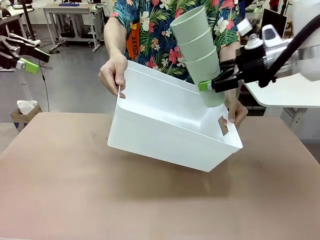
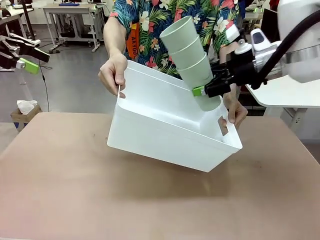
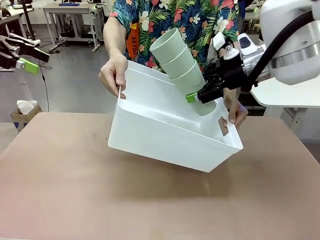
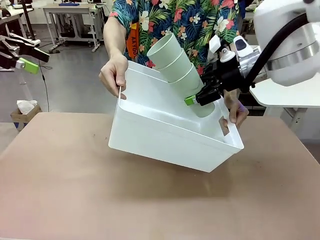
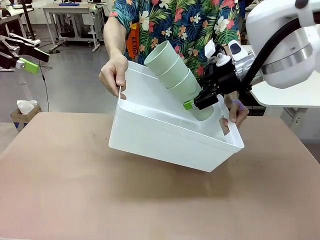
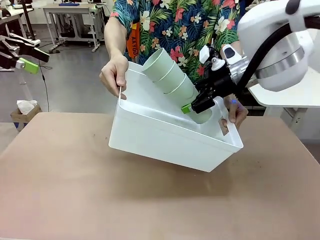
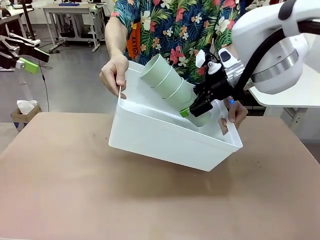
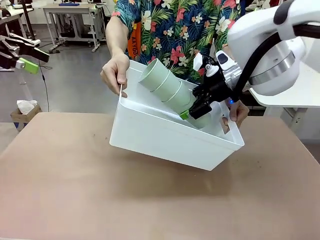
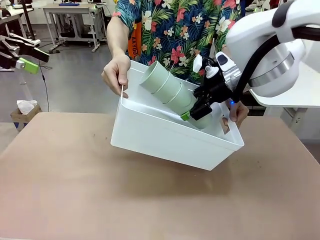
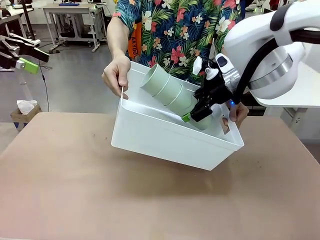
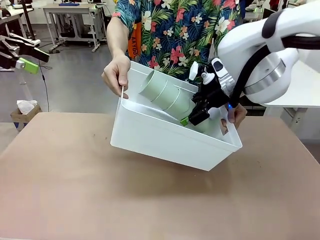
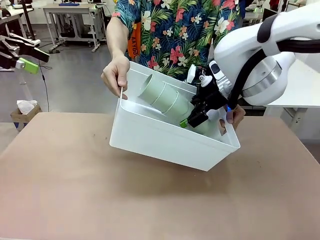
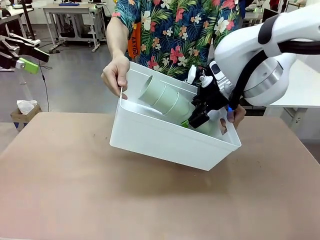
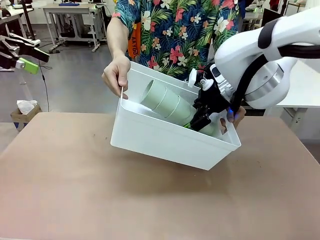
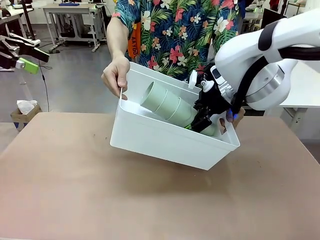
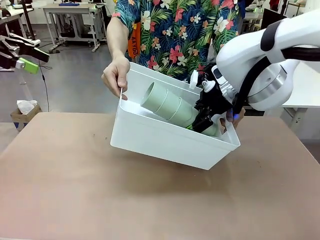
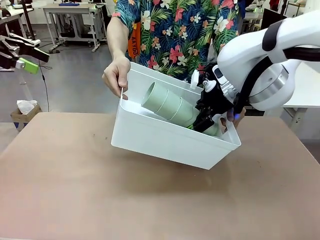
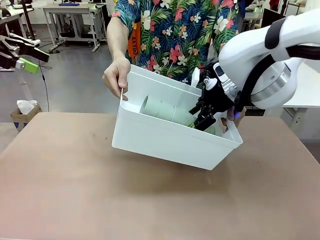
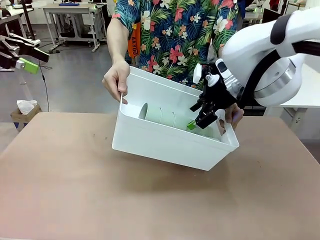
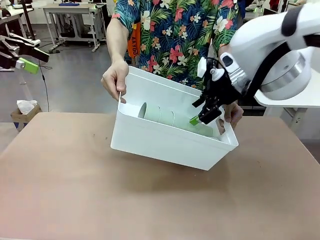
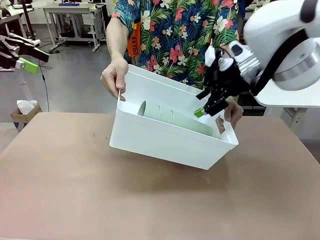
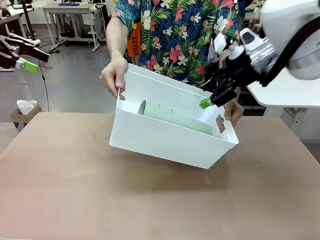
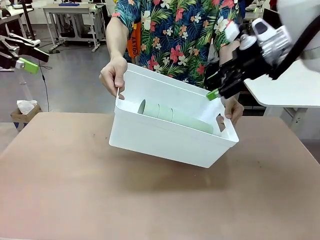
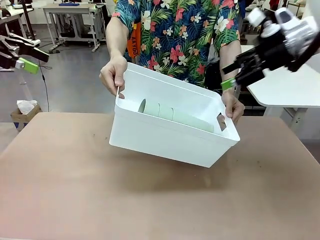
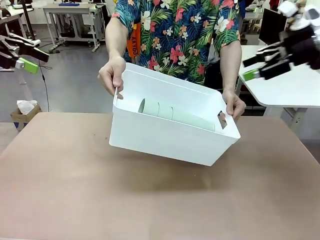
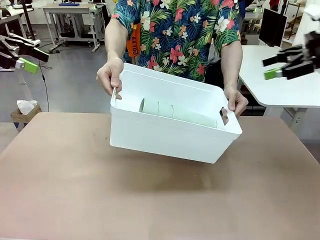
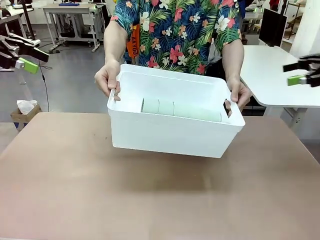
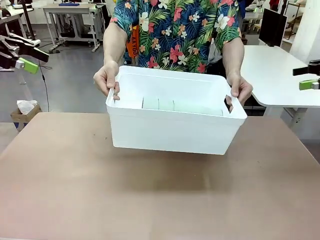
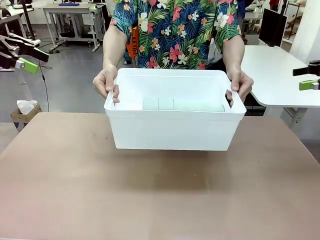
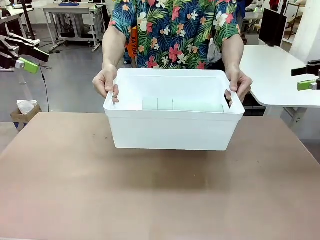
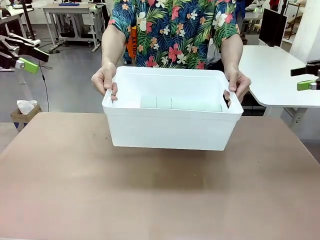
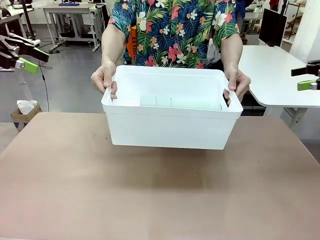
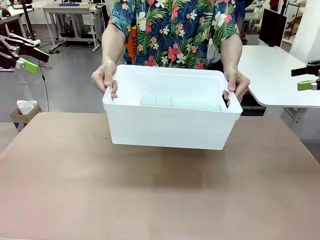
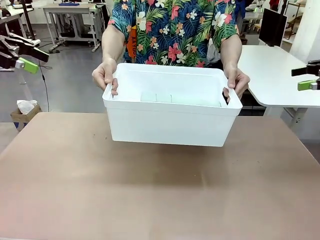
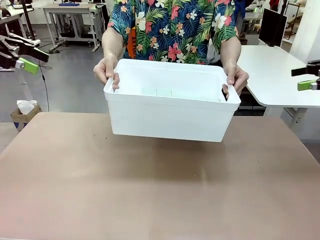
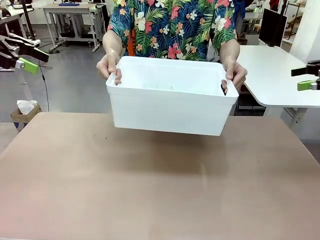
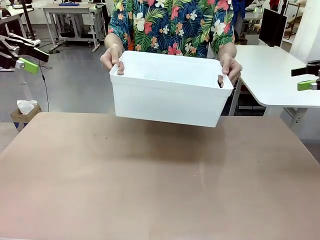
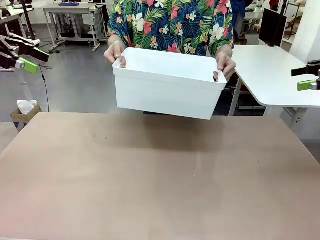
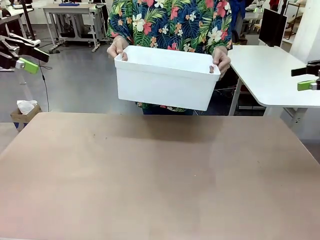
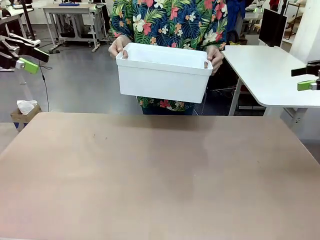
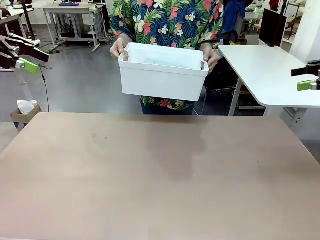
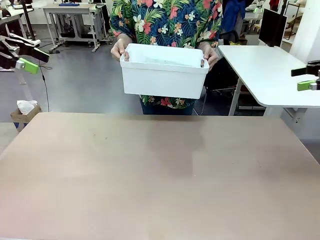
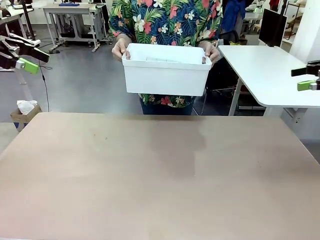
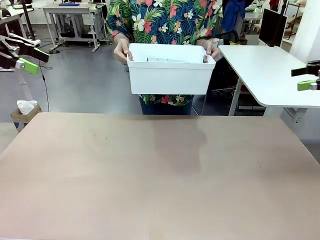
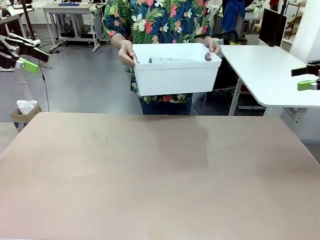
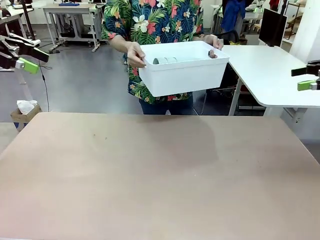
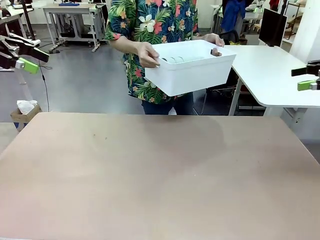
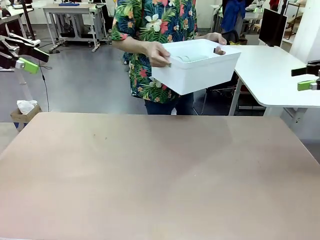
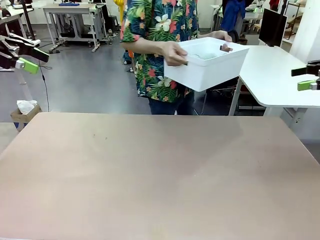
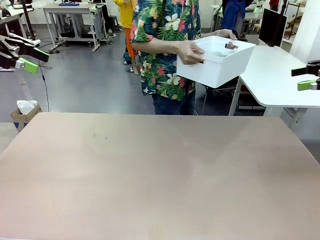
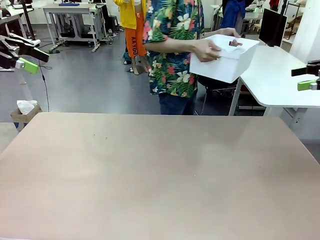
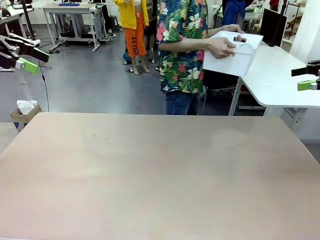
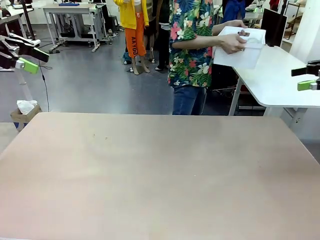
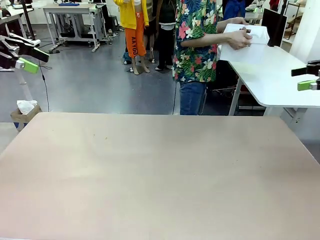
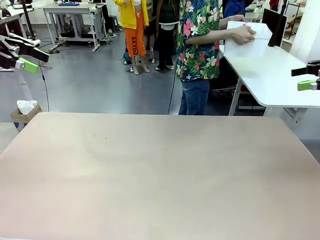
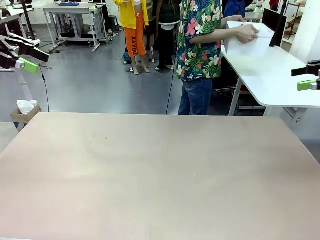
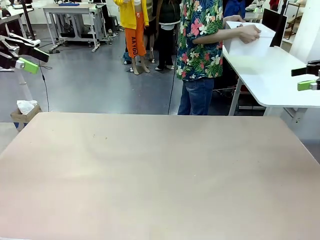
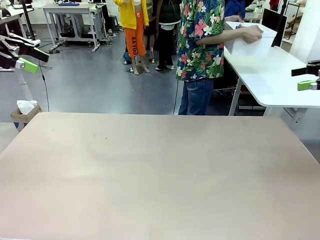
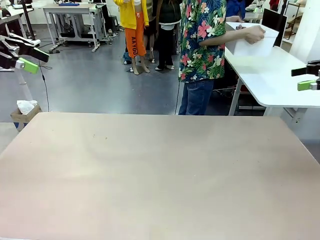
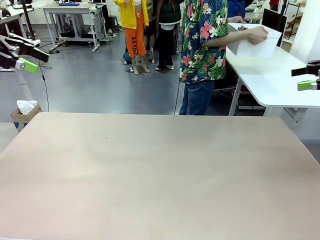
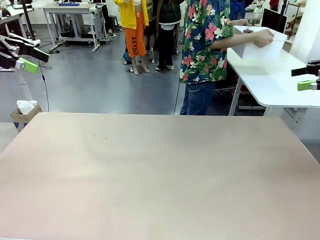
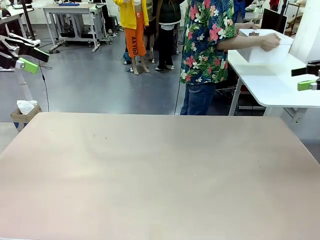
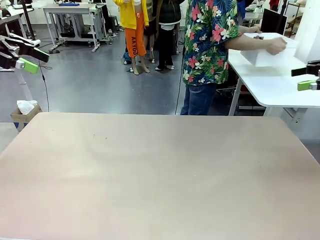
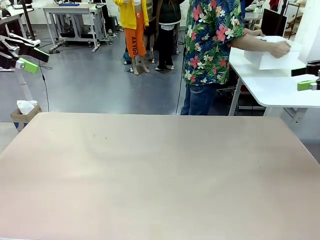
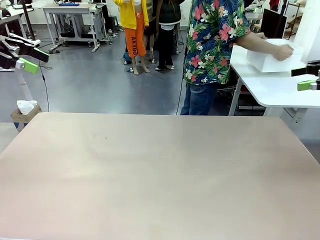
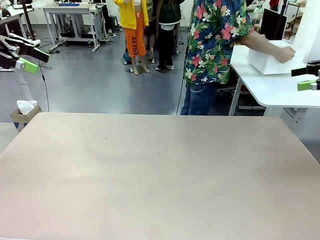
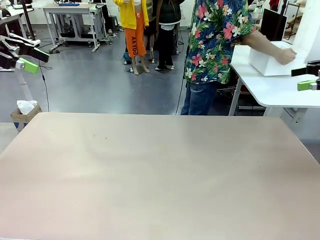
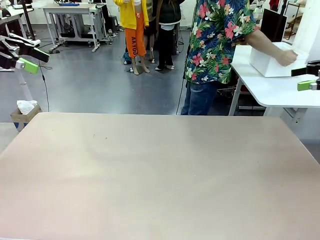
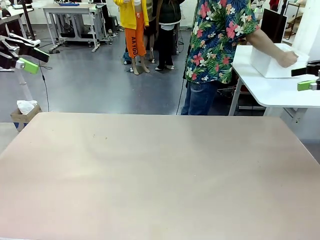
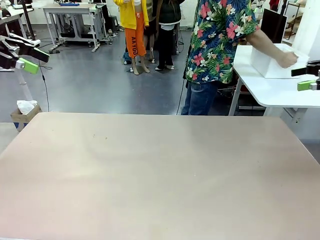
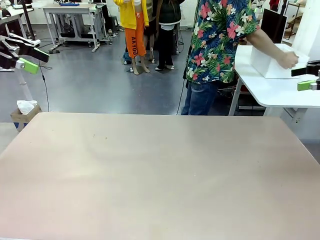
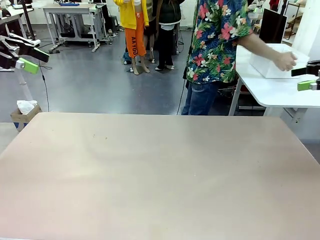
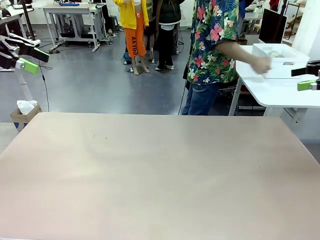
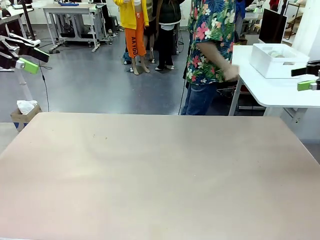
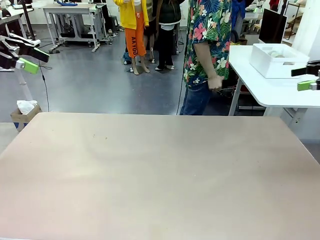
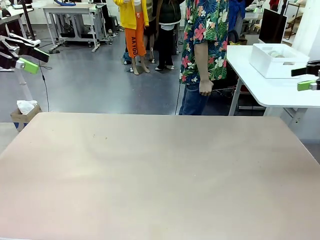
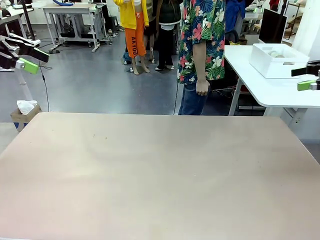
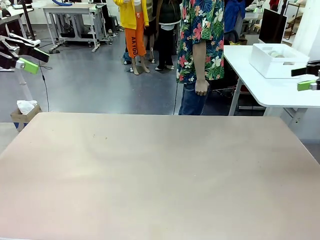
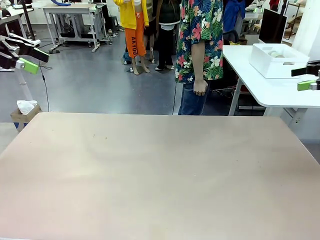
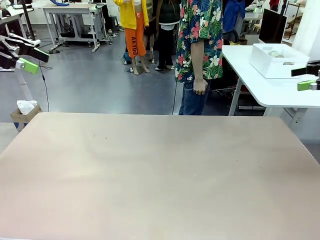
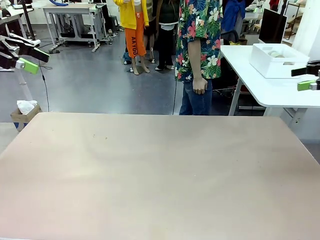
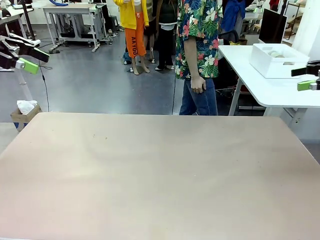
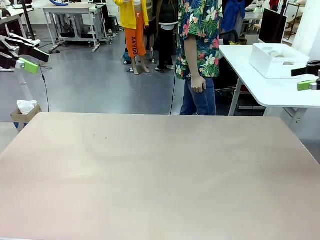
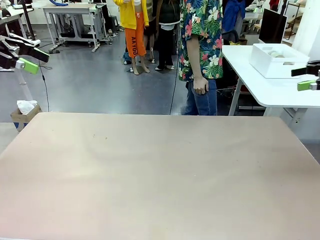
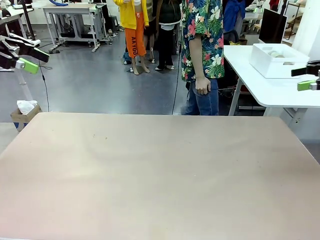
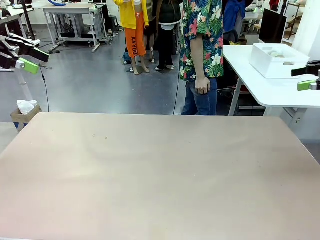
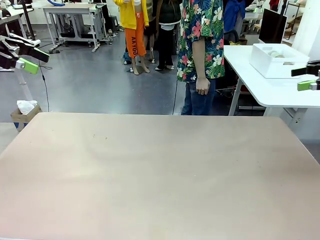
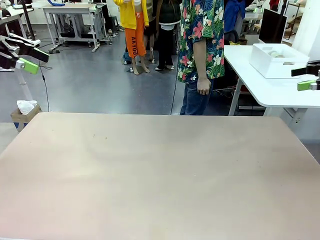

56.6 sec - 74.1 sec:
Task: Stack the cups and store them in the basket.
Robot: Place the stack of Reusable plastic cups into the Pantry Basket.
Person: Place the basket containing the cups in the middle of the Human Table.
